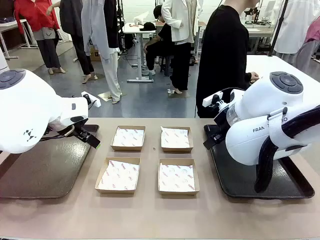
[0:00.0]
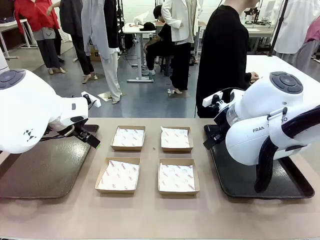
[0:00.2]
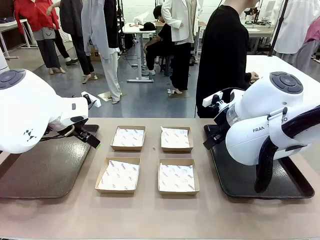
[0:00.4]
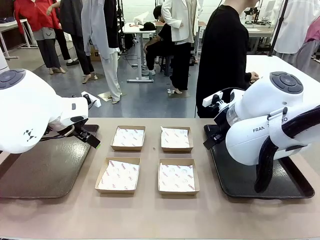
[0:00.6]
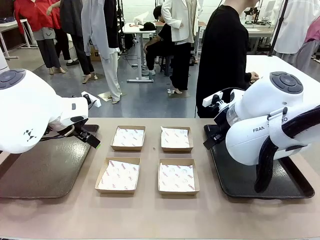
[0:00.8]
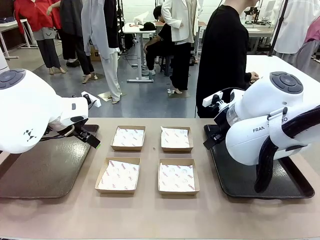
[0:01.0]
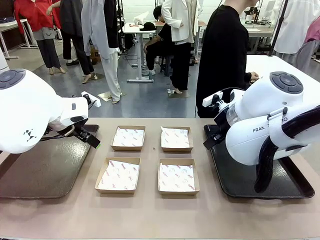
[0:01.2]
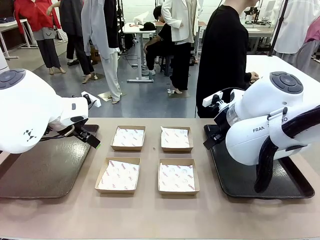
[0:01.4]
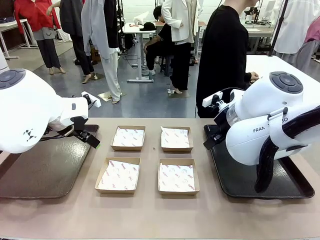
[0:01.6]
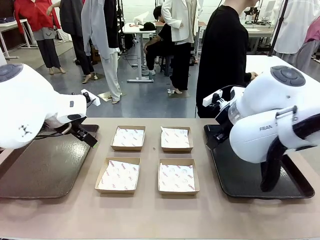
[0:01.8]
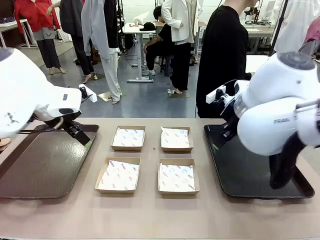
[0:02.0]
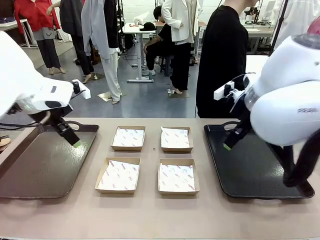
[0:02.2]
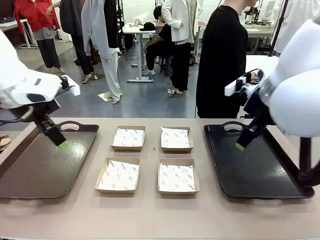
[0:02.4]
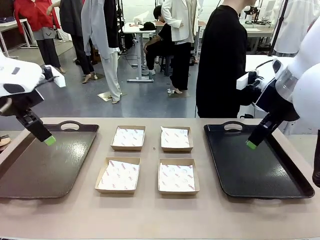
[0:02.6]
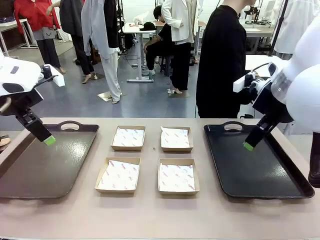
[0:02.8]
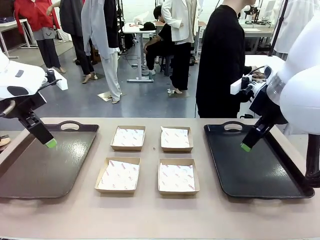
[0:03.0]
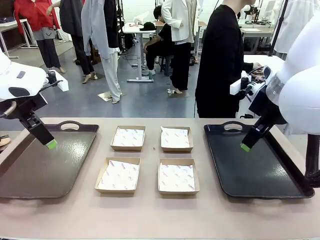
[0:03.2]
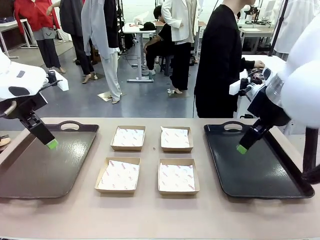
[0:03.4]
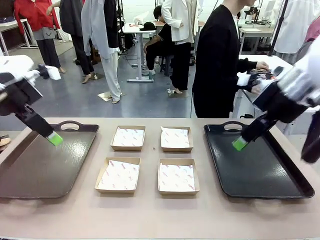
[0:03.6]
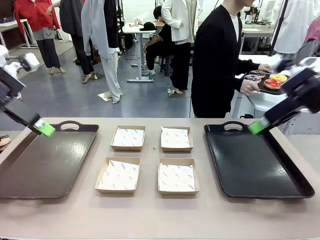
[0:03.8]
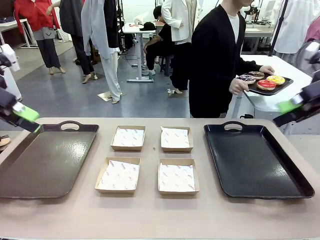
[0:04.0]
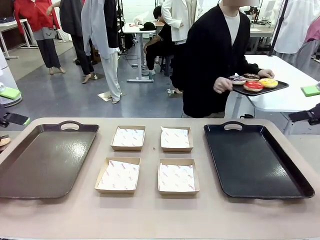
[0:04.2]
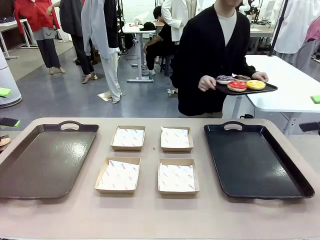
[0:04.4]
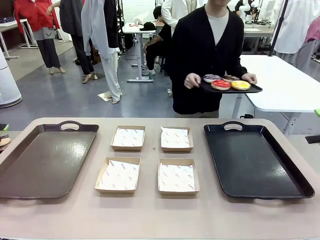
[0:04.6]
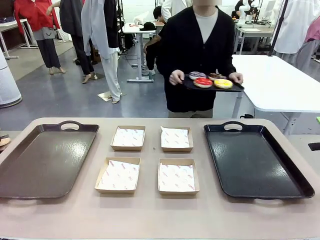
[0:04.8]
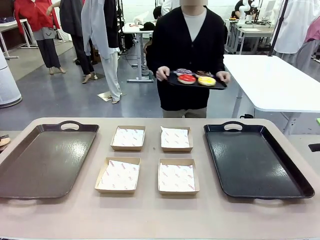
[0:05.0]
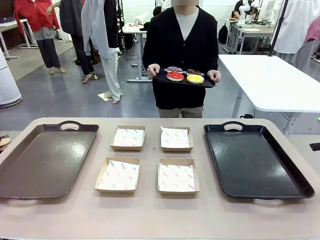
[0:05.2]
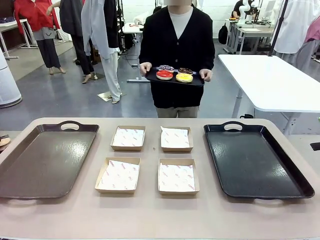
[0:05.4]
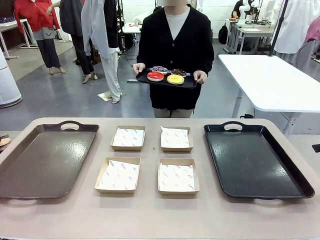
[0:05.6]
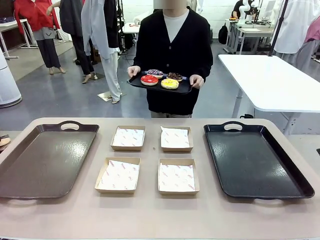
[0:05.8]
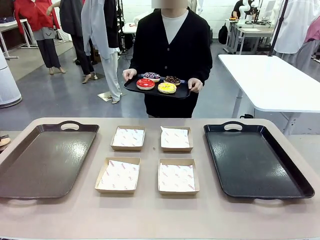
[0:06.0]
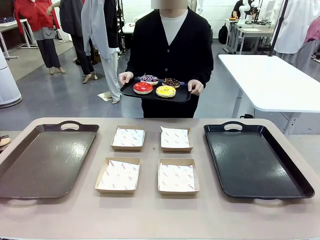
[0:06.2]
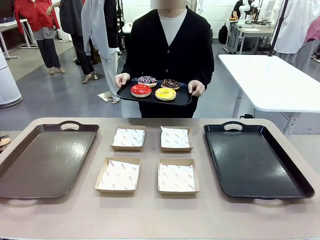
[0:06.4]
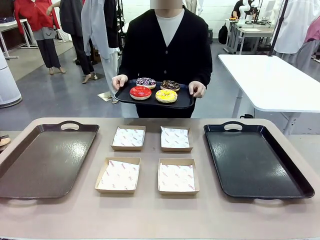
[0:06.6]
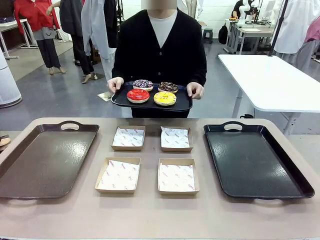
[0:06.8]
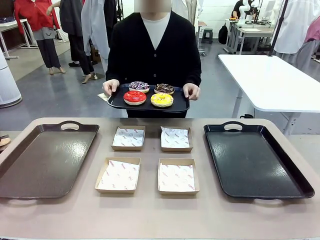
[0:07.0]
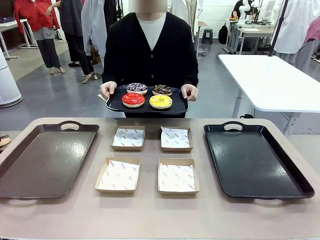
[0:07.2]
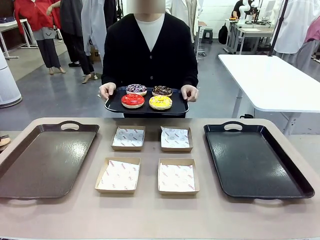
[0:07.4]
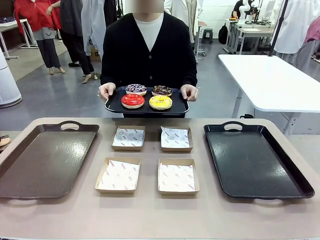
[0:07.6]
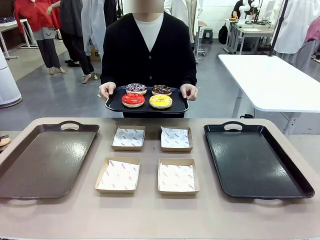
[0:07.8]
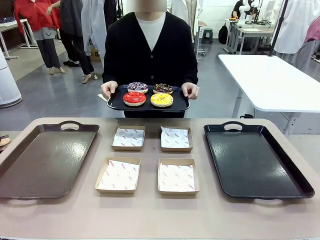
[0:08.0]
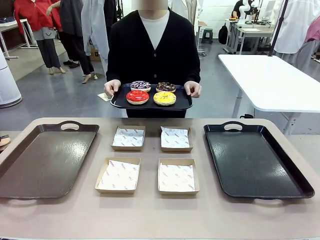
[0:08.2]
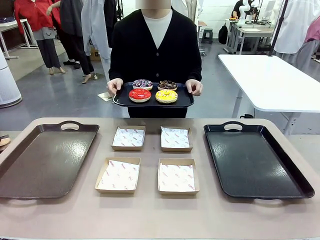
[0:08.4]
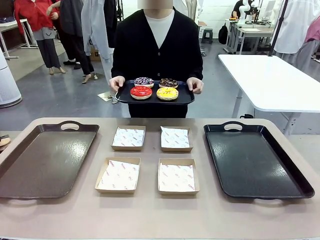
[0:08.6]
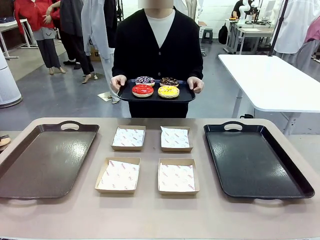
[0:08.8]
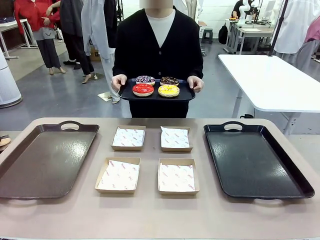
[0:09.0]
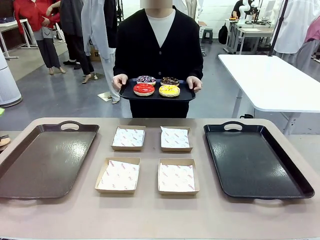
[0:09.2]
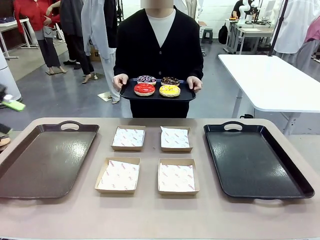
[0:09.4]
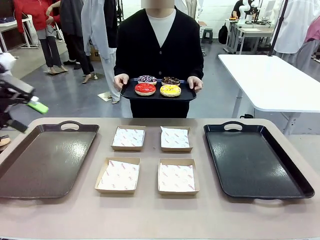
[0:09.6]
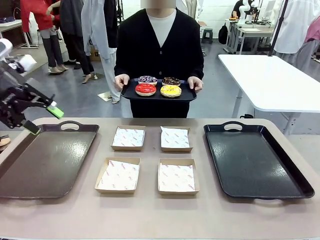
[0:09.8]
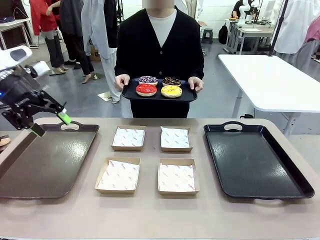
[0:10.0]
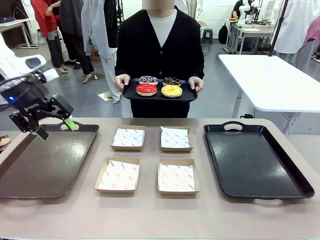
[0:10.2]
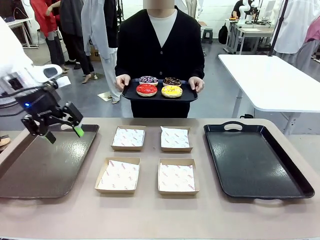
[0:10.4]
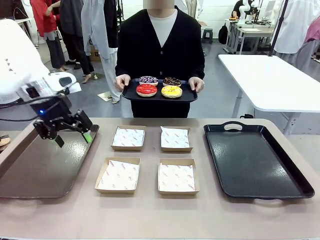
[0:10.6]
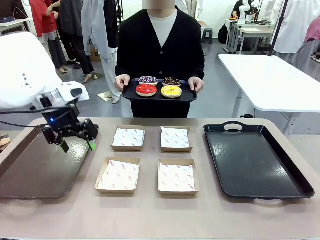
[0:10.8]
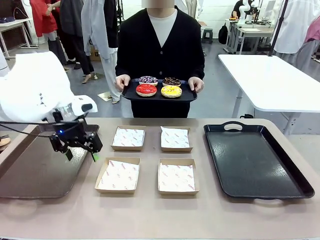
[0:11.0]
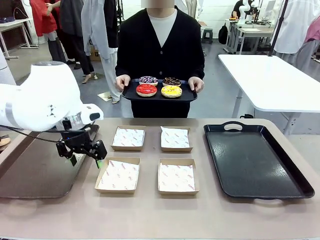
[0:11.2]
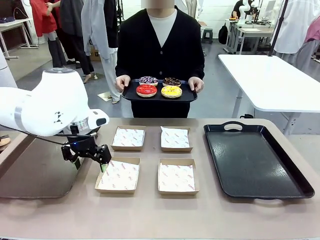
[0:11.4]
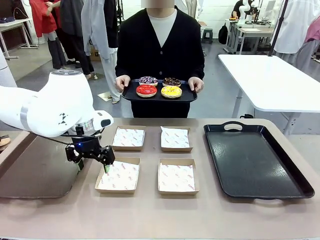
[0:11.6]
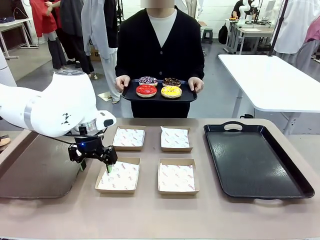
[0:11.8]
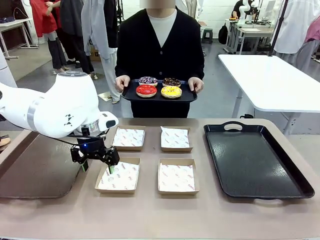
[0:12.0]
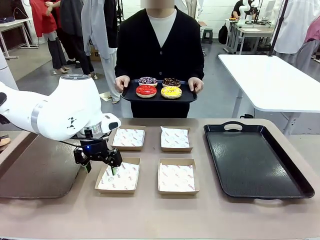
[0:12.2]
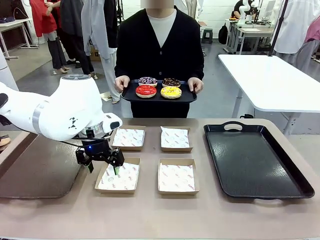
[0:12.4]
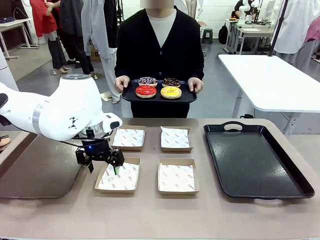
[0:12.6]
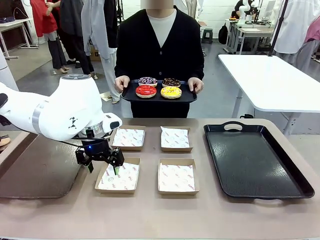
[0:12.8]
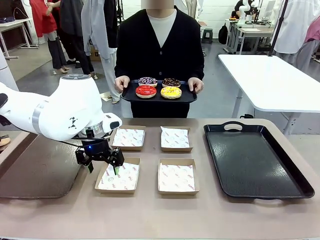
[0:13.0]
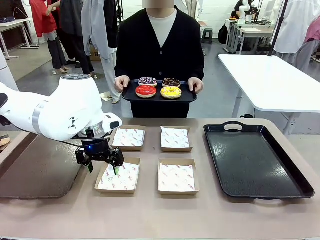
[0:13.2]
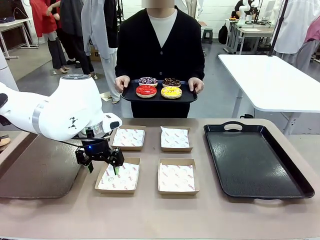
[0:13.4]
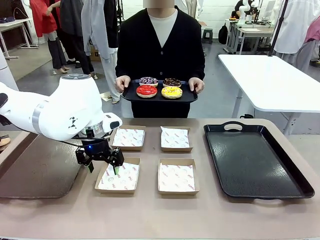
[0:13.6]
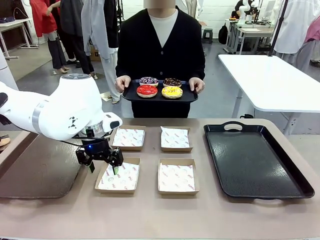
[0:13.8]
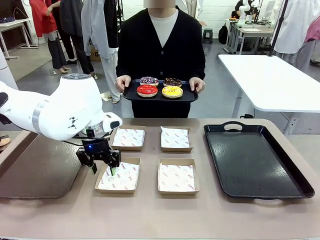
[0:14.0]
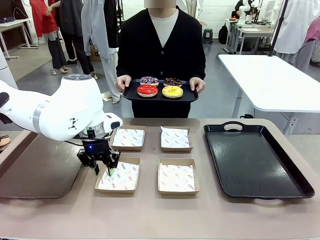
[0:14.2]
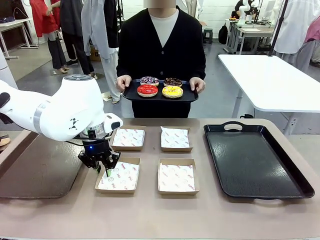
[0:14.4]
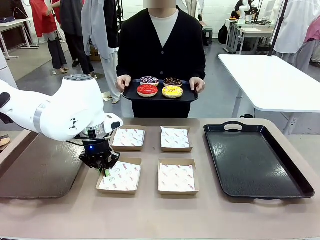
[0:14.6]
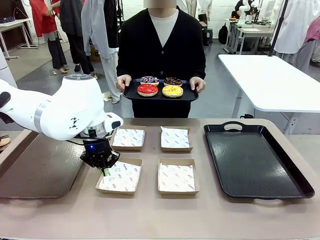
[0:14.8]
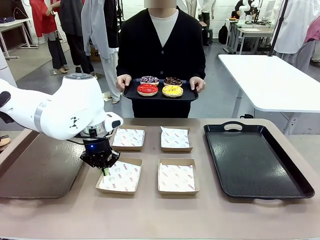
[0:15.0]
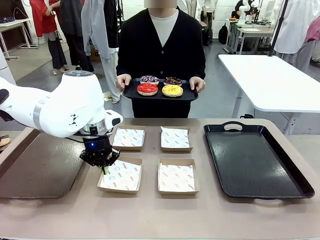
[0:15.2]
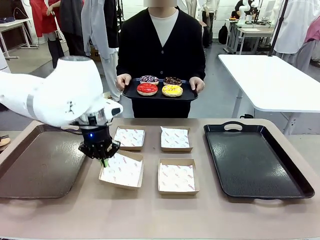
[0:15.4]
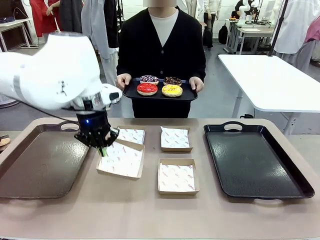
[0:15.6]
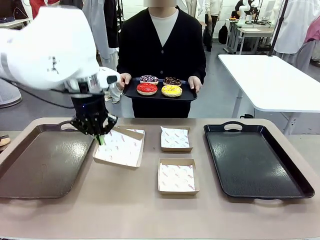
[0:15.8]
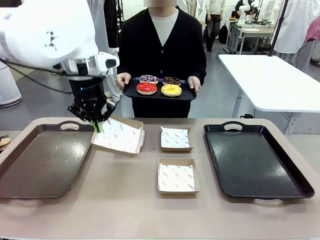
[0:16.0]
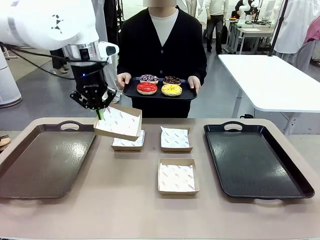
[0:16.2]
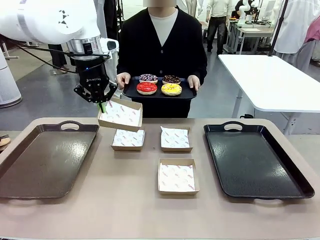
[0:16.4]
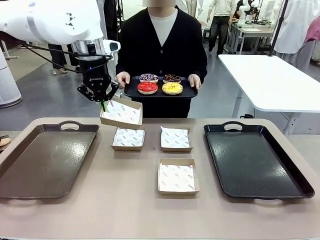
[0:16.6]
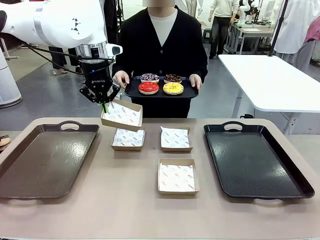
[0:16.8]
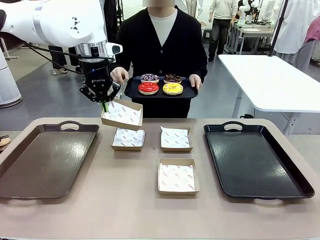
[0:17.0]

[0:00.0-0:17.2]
Task: Individually package the donuts and arrange them on the tray.
Robot: Pick up one Paper togo box.
Person: Stand in front of the robot table holding the tray containing the donuts.

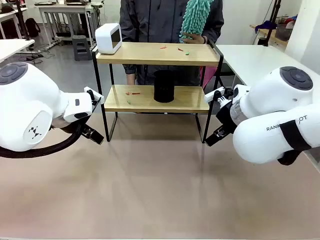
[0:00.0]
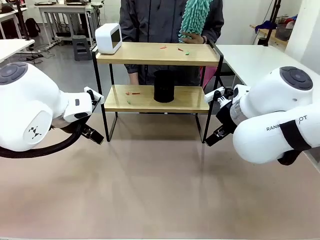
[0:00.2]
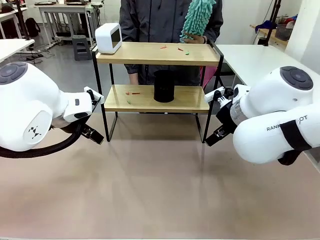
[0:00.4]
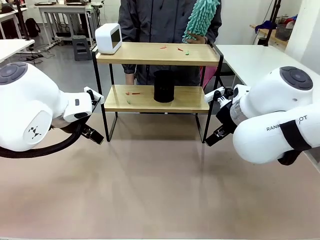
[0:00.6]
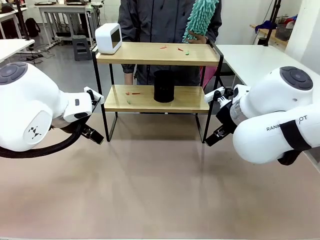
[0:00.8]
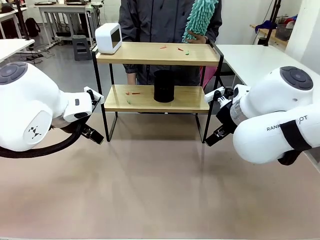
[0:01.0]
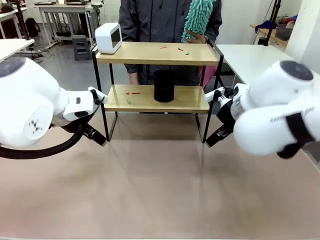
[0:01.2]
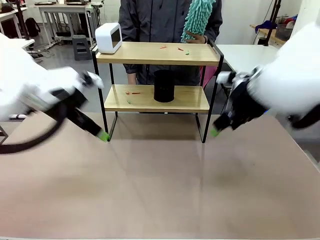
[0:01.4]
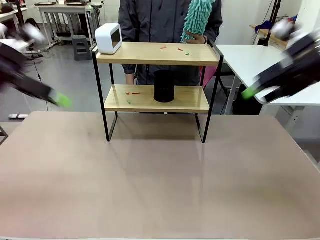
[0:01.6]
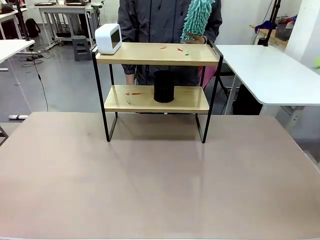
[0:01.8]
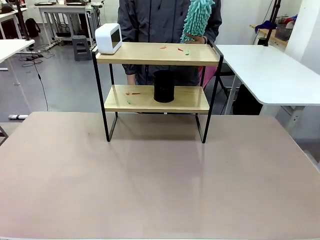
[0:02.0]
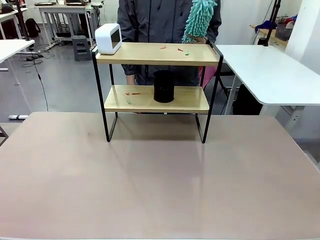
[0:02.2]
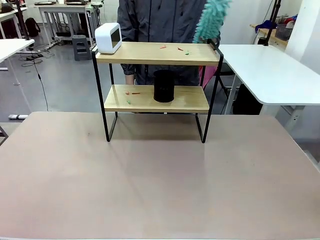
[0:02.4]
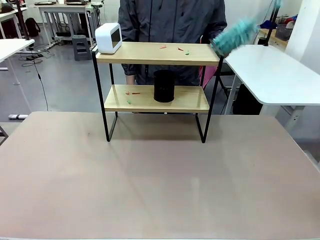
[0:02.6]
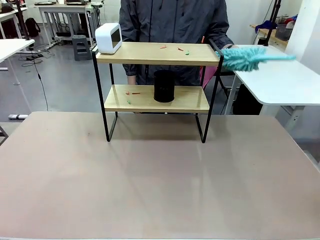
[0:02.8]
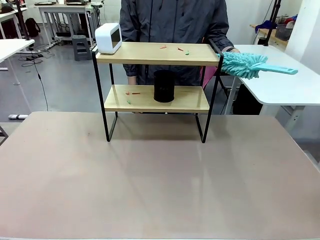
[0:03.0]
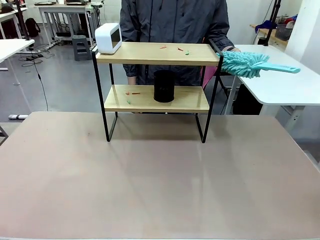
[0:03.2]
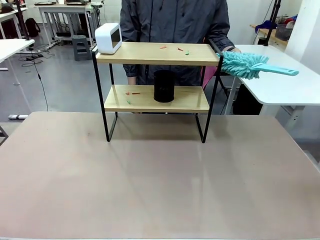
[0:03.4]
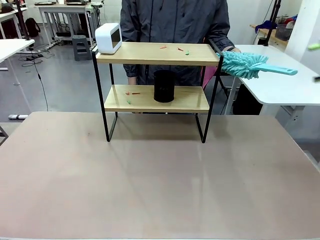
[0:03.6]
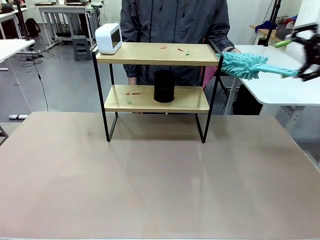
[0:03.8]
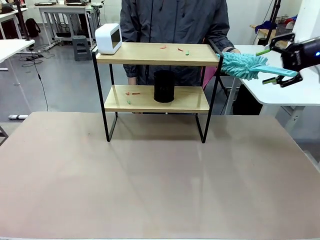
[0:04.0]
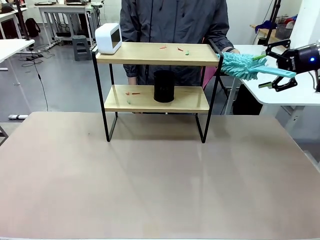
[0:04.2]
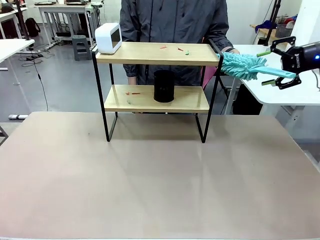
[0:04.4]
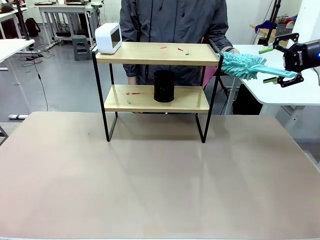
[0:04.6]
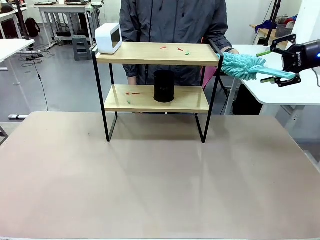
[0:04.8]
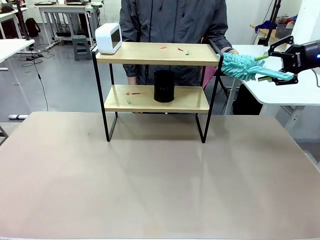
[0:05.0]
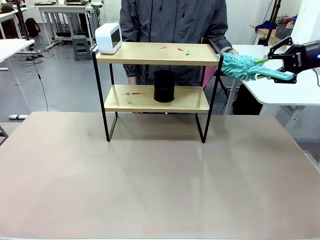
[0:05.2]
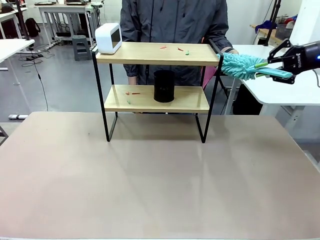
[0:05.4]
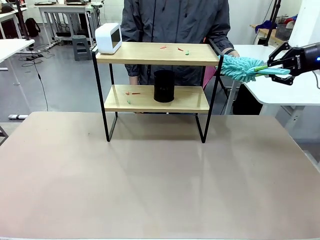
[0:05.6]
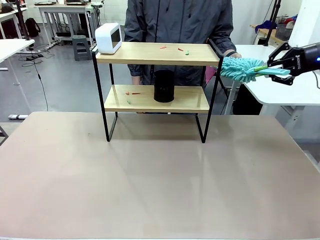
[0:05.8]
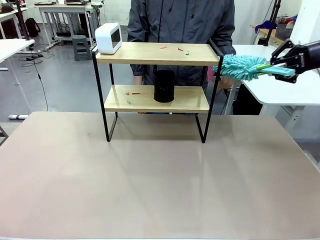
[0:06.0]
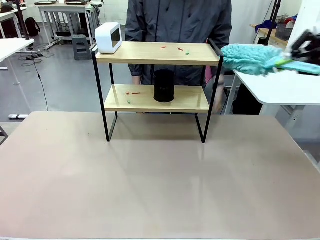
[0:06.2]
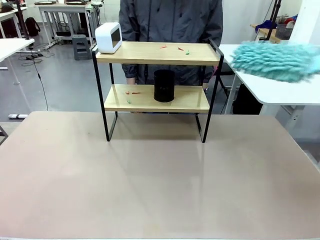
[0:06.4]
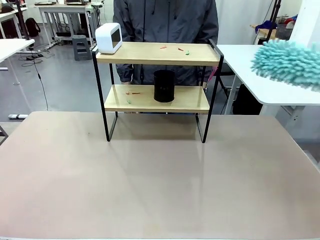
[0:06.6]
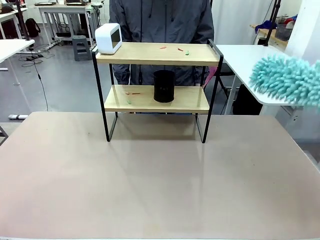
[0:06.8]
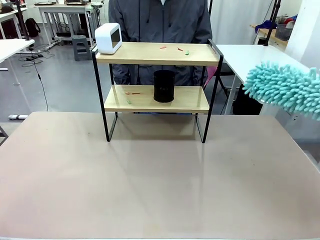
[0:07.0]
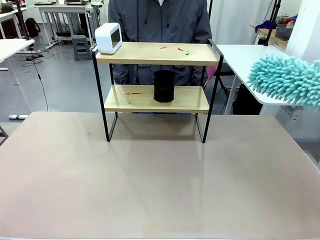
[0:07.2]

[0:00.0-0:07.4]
Task: Clean the shelf.
Robot: Pick up the Duster from the human.
Person: Hand the Duster to the robot.
